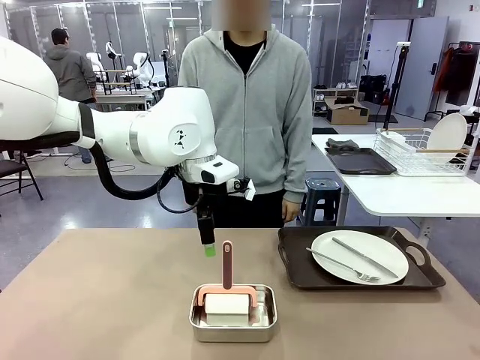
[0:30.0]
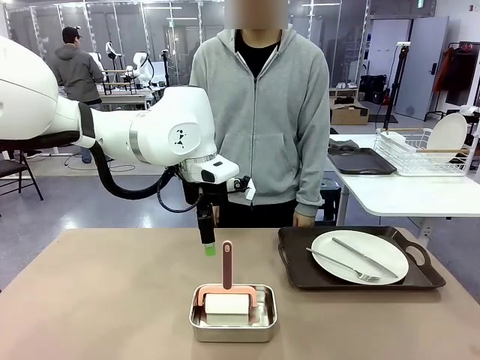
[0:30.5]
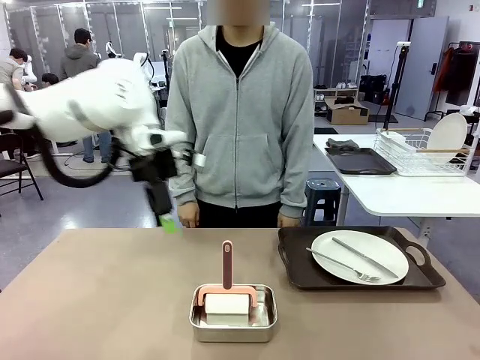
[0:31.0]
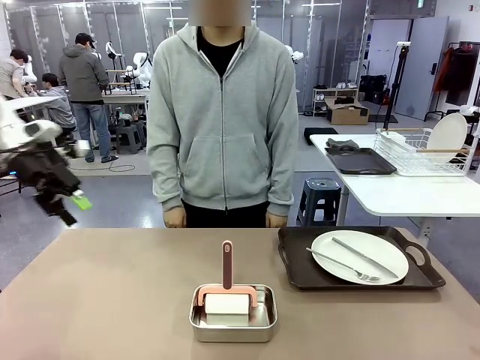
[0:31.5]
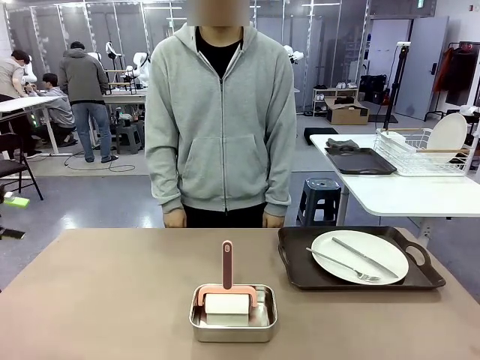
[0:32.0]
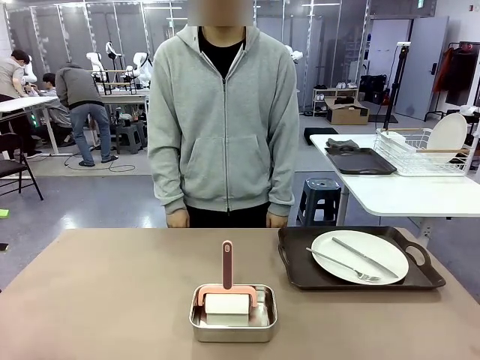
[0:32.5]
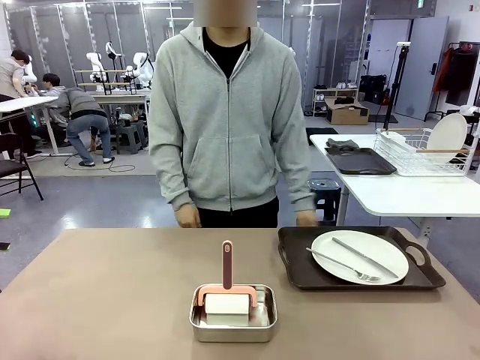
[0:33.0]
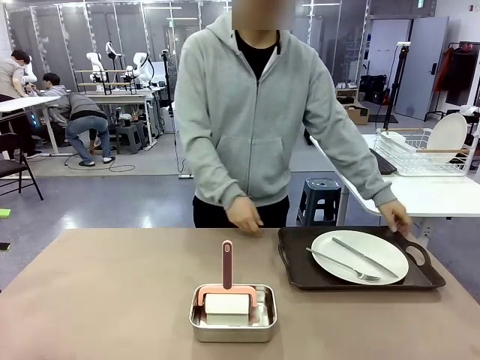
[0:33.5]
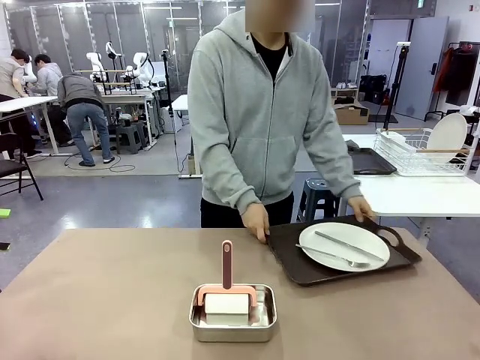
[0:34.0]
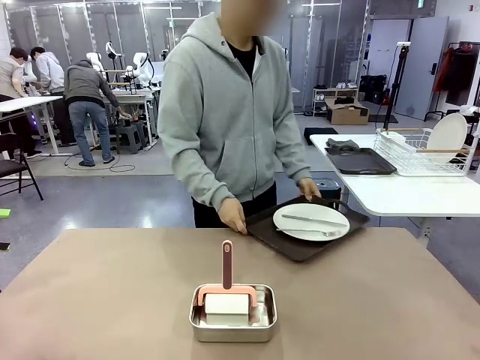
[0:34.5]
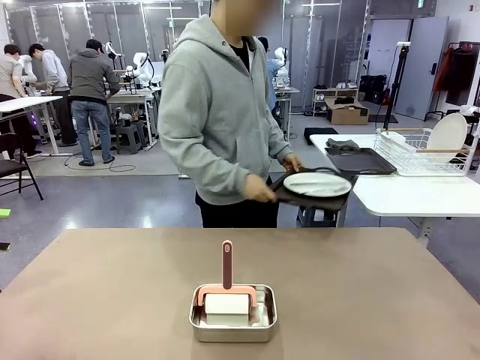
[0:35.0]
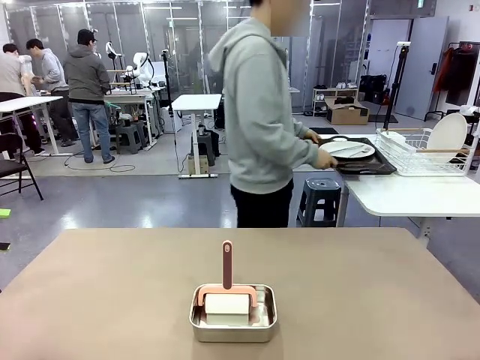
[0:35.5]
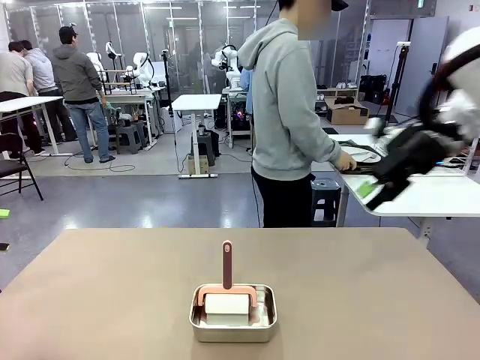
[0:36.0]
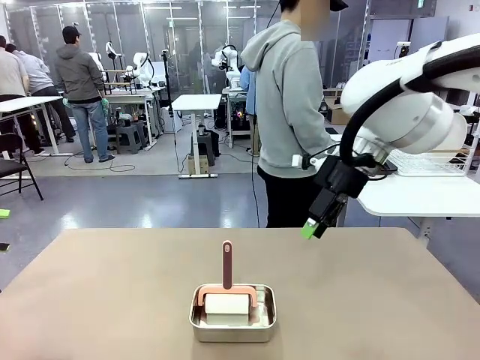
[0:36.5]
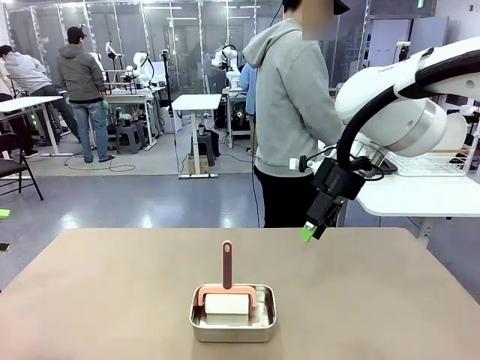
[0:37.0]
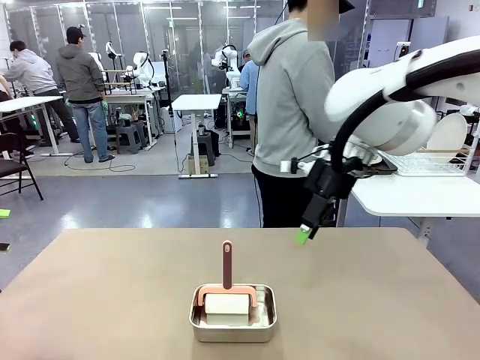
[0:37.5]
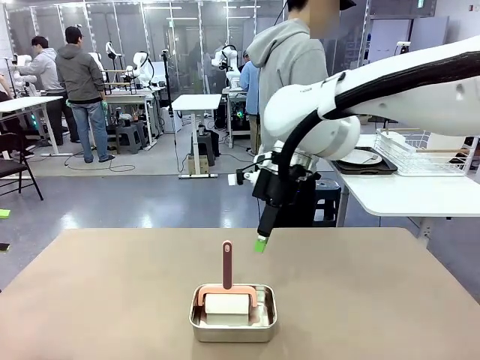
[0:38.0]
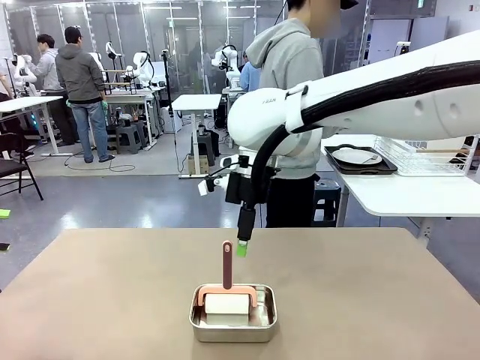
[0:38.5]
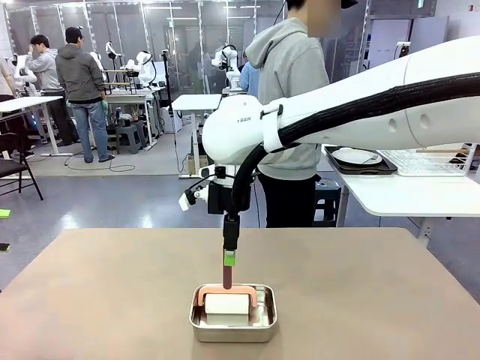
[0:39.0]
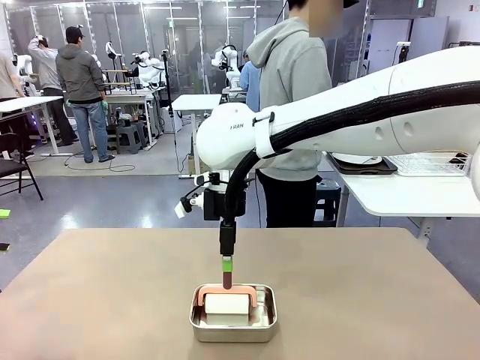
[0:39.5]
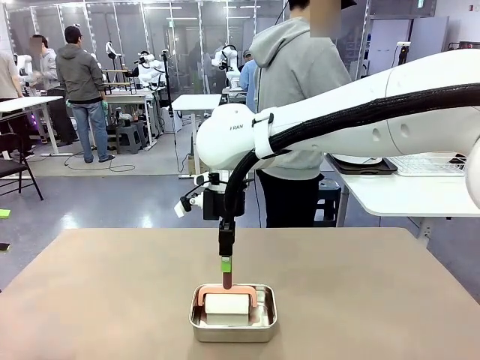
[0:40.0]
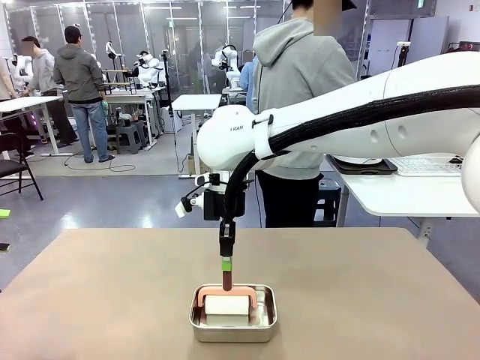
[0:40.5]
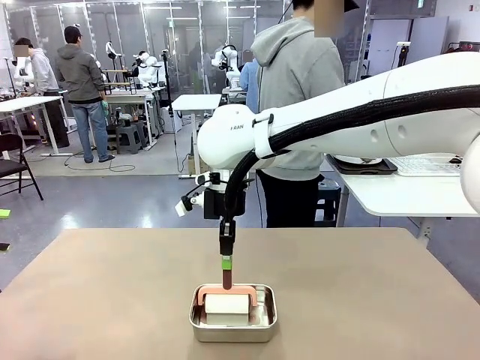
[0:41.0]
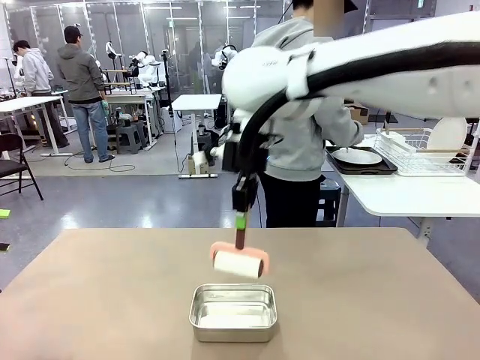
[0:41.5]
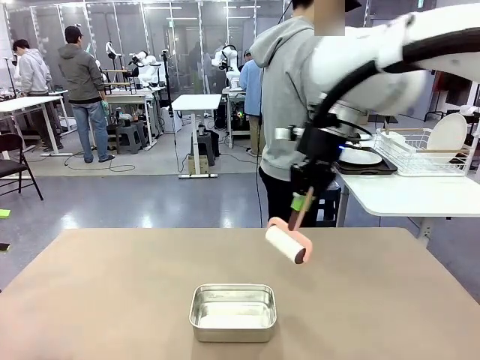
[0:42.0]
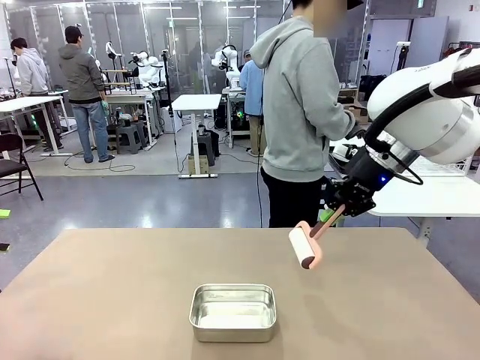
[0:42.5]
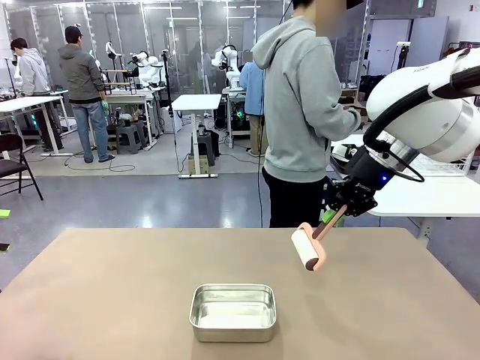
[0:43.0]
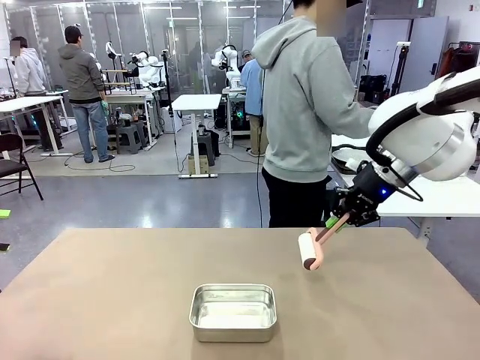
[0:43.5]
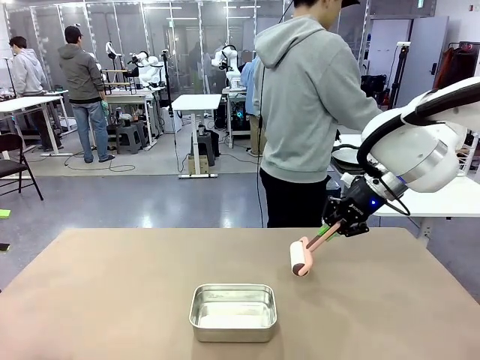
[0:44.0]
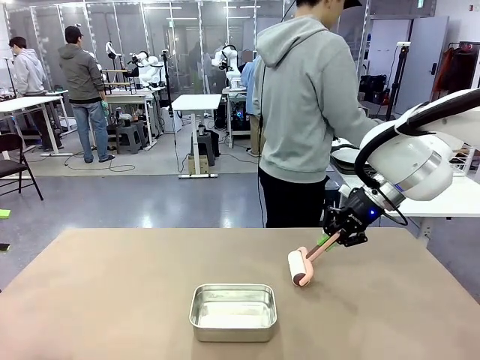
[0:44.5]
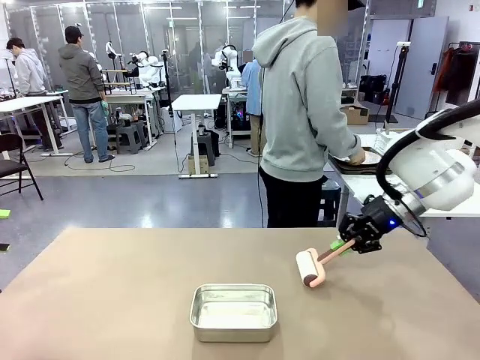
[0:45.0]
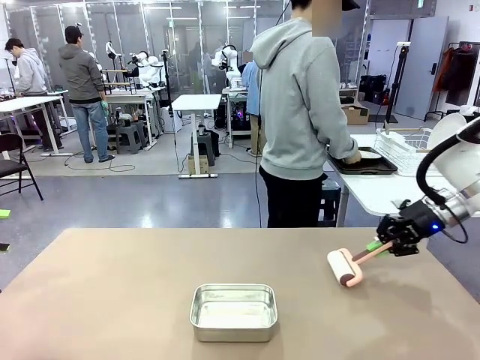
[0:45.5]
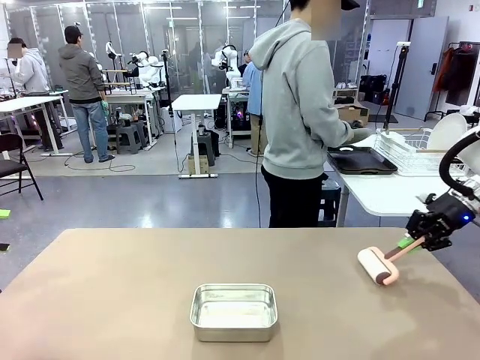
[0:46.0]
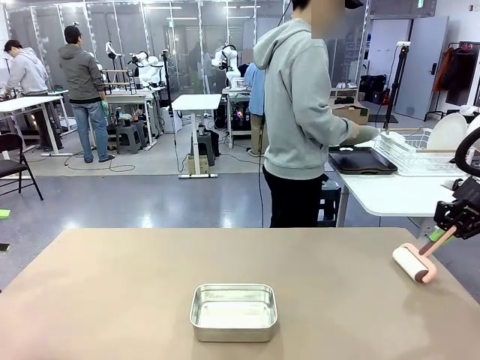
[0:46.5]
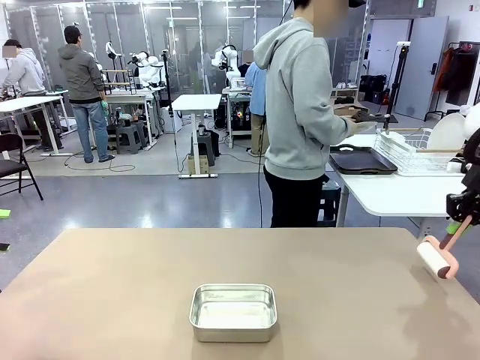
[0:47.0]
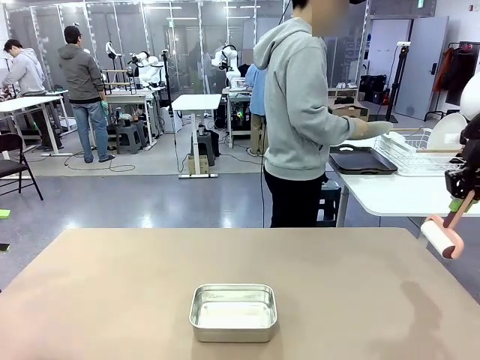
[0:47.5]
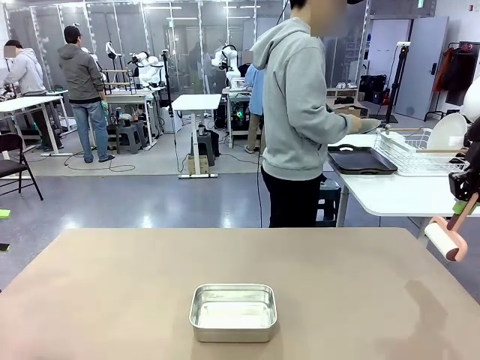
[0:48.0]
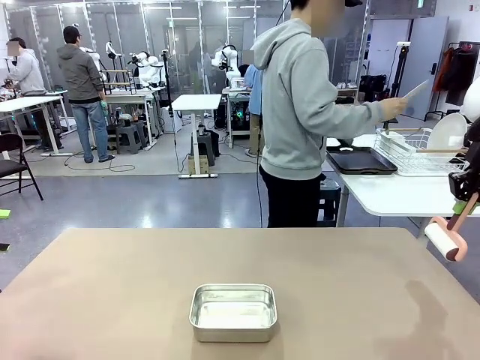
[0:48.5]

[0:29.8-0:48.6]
Robot: When the right (or left) Handle tray is removed, use the right hand (or left hand) to clean the right (or left) side of the table with the Lint Roller.
Person: Pick up the left (or right) Handle tray and place it on the Handle tray.

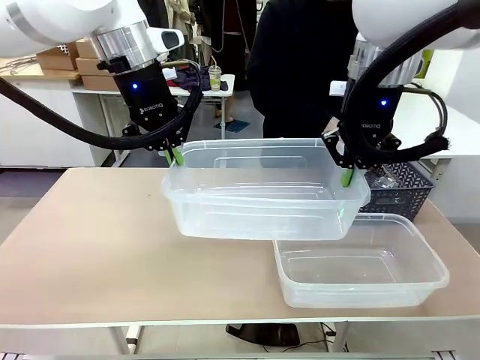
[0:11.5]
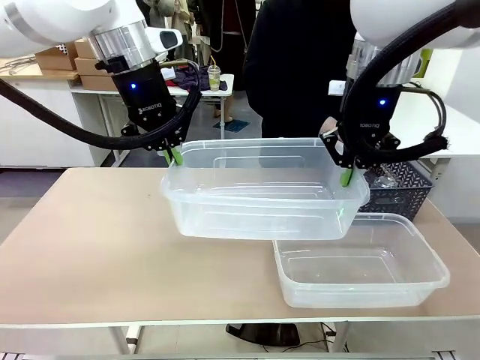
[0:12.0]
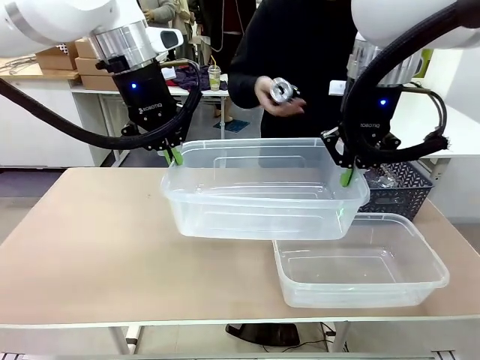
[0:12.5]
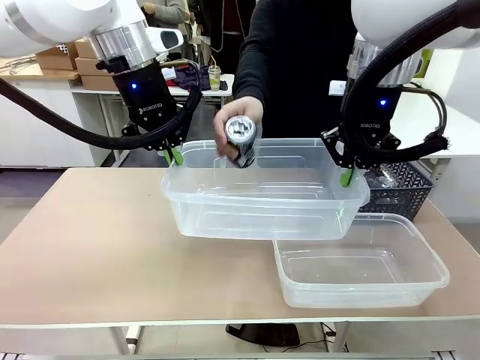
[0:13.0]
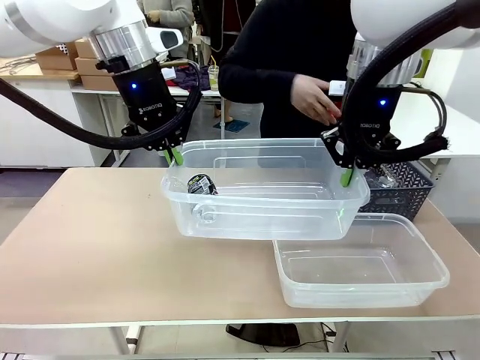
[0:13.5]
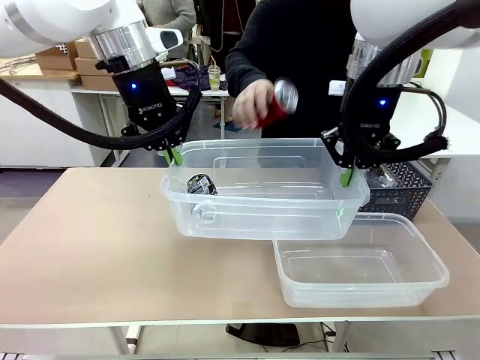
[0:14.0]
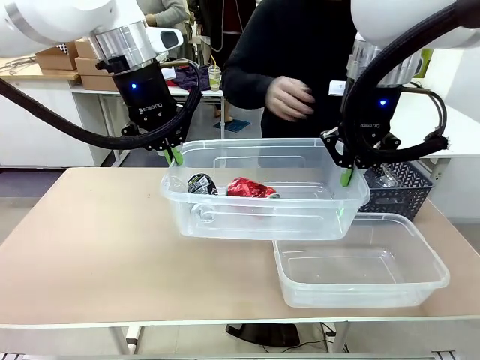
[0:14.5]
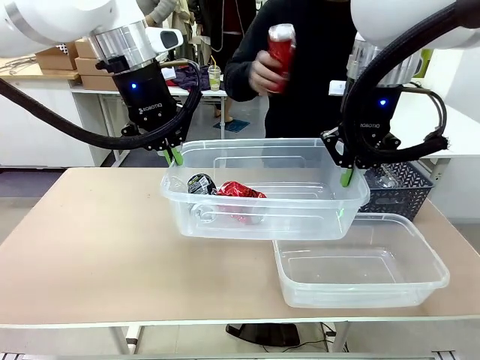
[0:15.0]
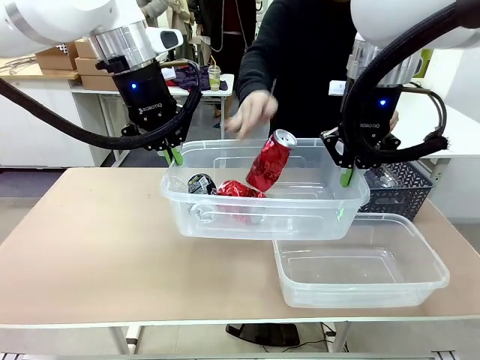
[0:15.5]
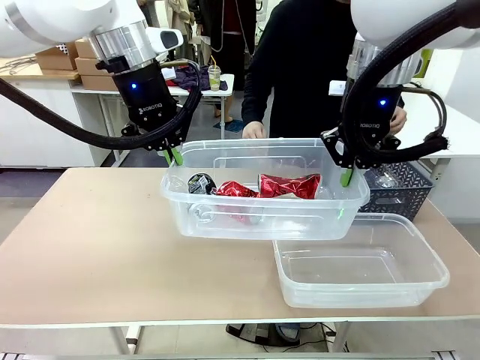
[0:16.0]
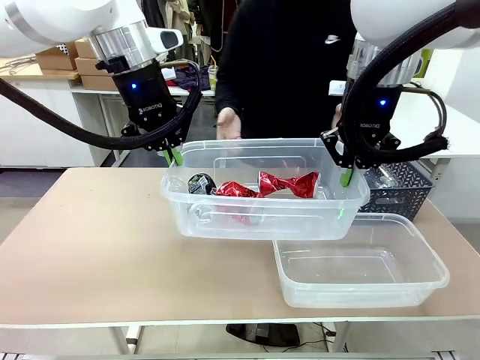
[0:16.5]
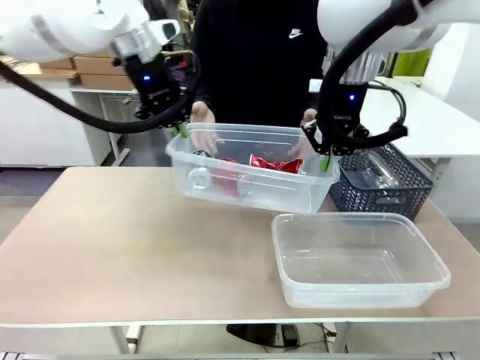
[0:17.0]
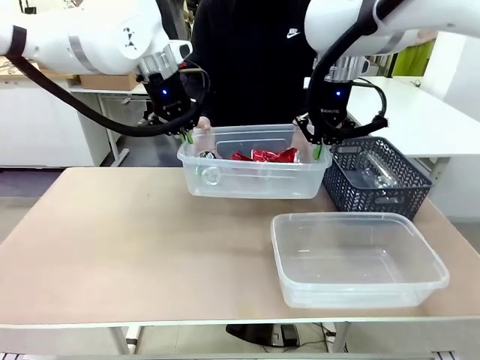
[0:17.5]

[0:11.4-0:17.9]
Robot: Offer the picked Organizing box to the human.

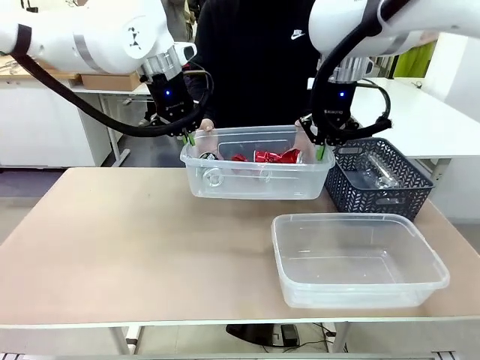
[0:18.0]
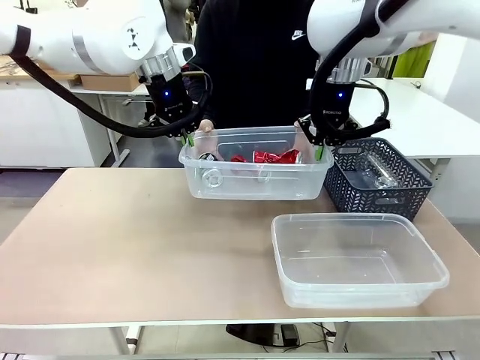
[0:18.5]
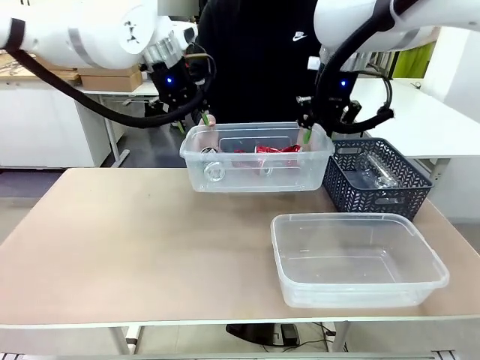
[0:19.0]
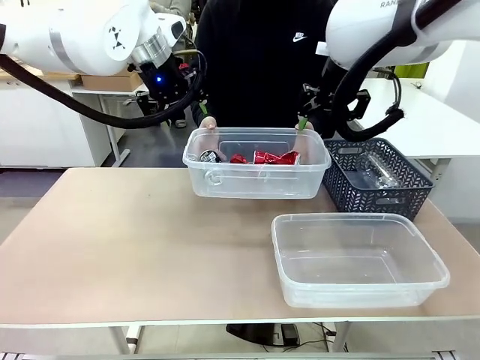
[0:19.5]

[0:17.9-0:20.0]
Robot: Release the Organizing box you were holding.
